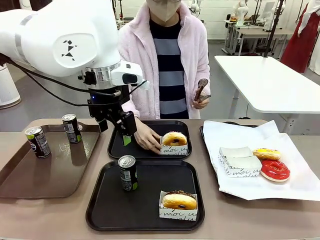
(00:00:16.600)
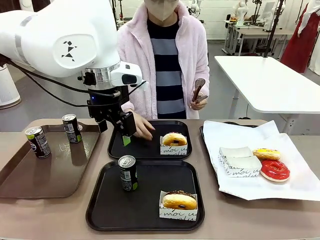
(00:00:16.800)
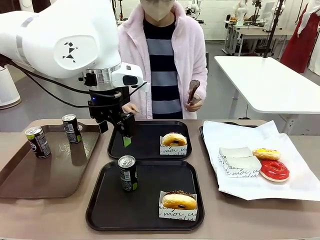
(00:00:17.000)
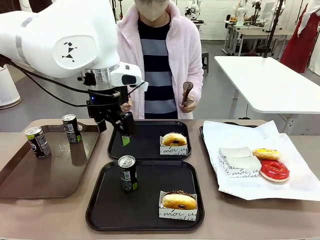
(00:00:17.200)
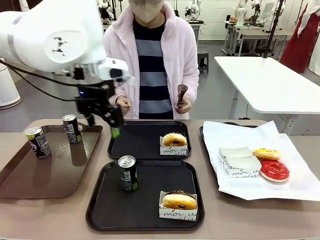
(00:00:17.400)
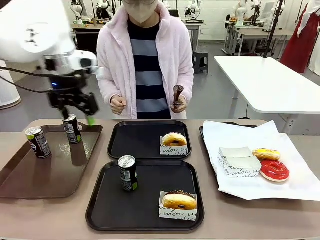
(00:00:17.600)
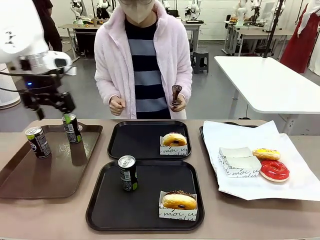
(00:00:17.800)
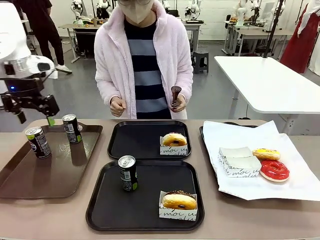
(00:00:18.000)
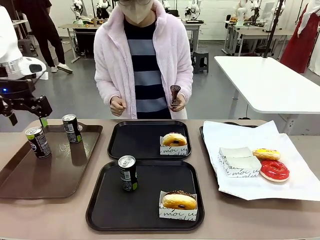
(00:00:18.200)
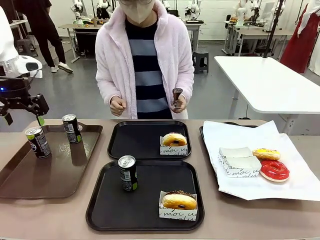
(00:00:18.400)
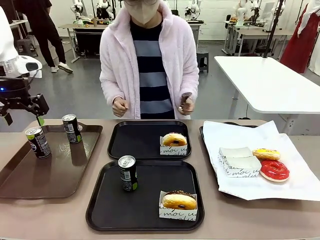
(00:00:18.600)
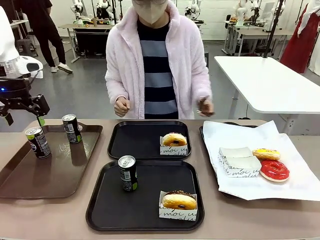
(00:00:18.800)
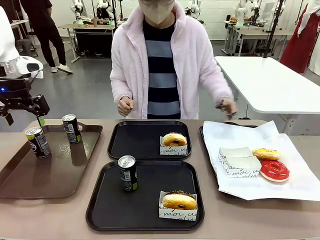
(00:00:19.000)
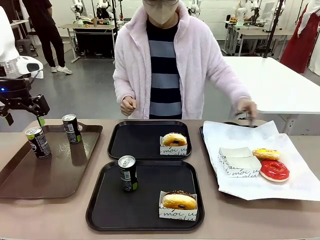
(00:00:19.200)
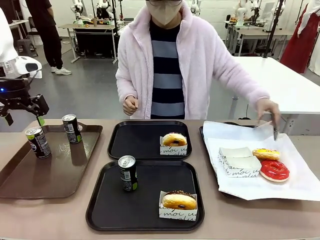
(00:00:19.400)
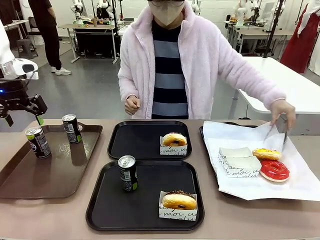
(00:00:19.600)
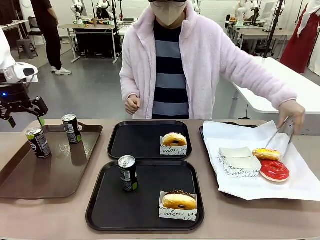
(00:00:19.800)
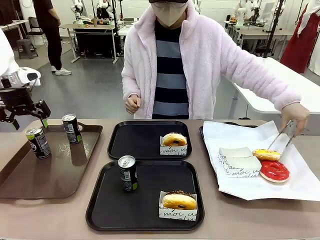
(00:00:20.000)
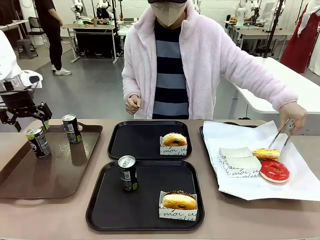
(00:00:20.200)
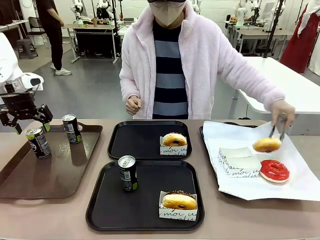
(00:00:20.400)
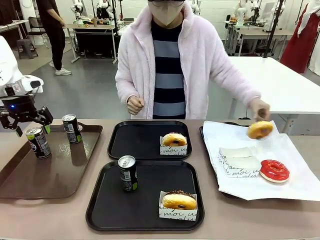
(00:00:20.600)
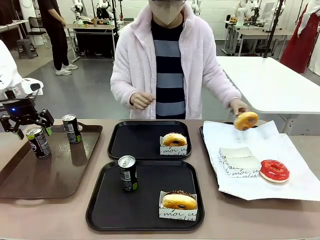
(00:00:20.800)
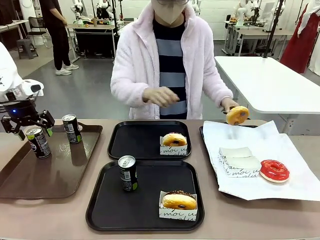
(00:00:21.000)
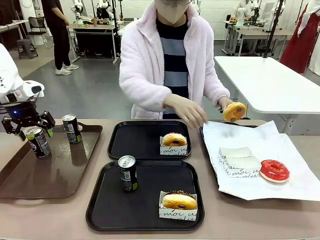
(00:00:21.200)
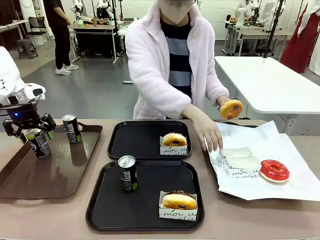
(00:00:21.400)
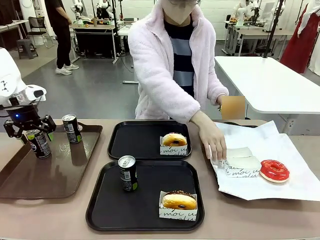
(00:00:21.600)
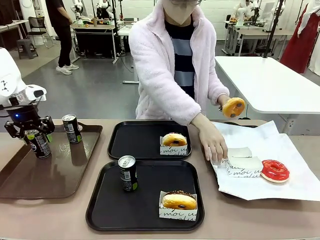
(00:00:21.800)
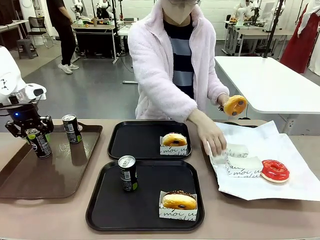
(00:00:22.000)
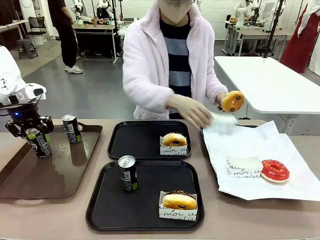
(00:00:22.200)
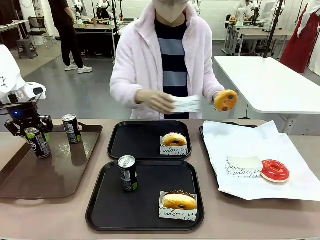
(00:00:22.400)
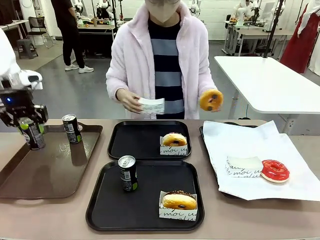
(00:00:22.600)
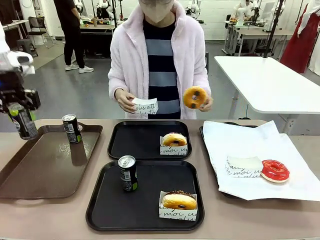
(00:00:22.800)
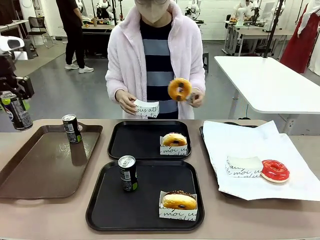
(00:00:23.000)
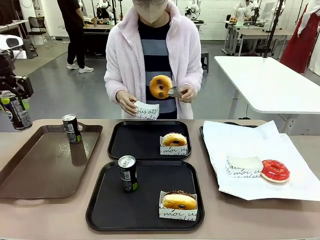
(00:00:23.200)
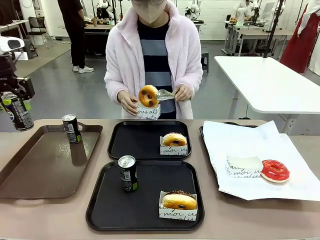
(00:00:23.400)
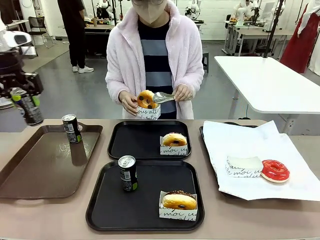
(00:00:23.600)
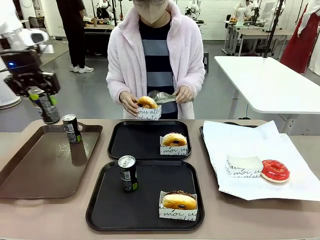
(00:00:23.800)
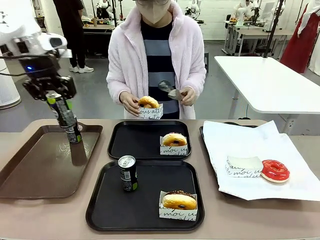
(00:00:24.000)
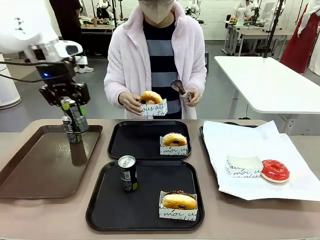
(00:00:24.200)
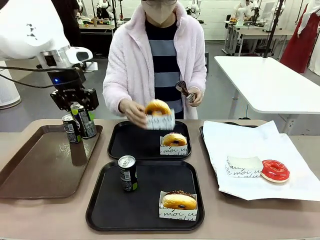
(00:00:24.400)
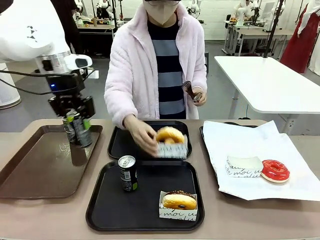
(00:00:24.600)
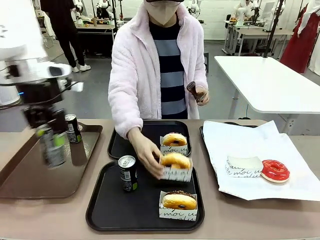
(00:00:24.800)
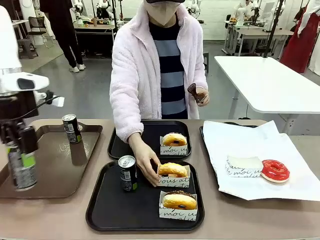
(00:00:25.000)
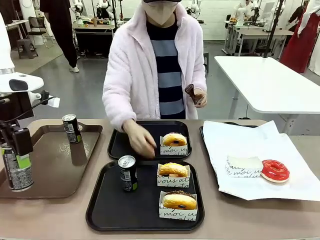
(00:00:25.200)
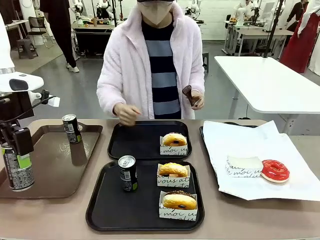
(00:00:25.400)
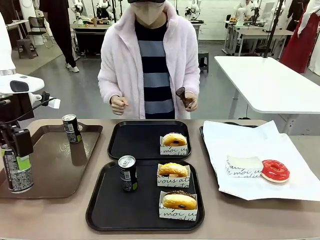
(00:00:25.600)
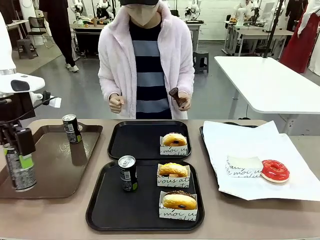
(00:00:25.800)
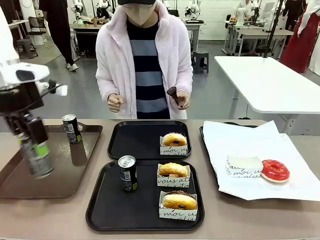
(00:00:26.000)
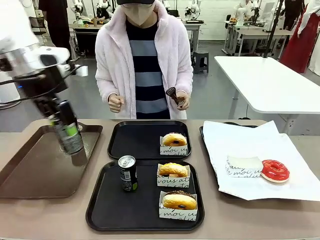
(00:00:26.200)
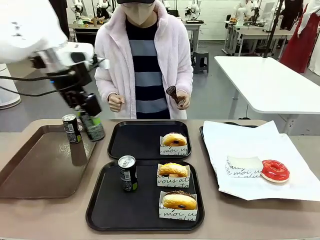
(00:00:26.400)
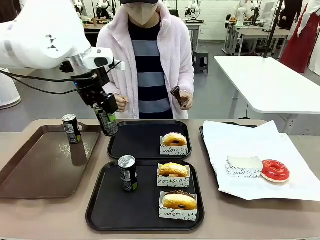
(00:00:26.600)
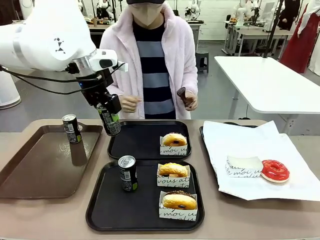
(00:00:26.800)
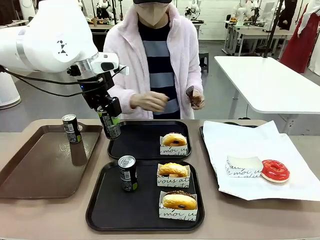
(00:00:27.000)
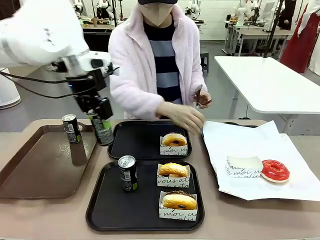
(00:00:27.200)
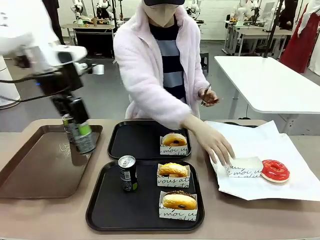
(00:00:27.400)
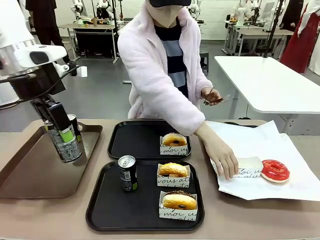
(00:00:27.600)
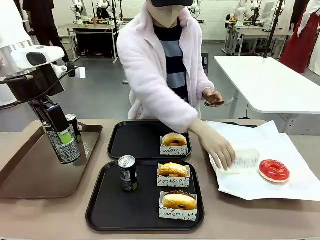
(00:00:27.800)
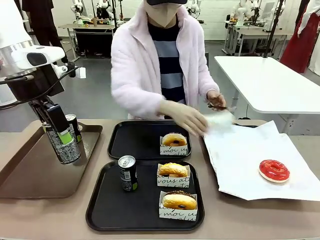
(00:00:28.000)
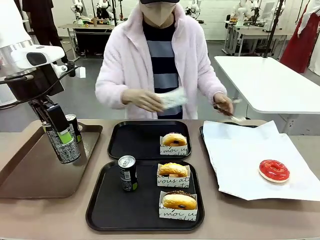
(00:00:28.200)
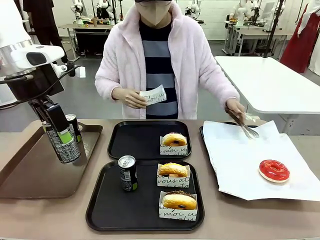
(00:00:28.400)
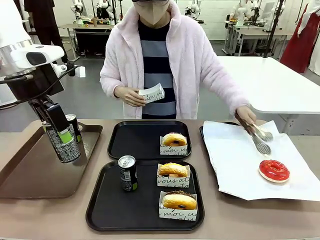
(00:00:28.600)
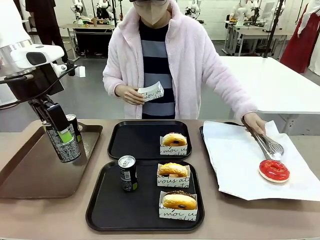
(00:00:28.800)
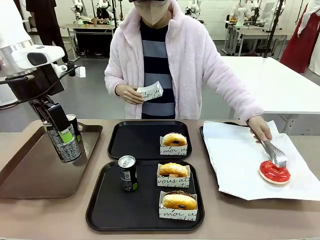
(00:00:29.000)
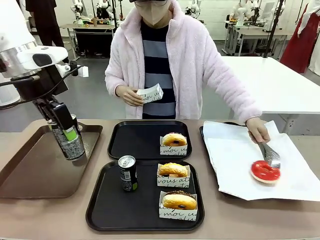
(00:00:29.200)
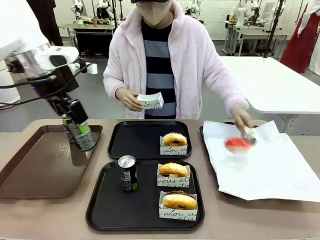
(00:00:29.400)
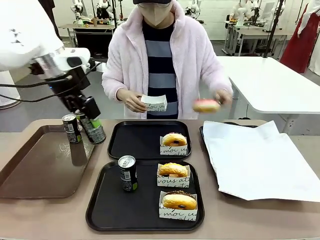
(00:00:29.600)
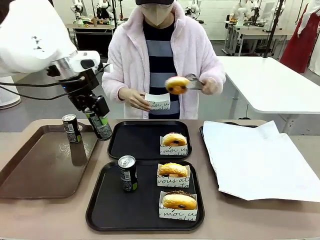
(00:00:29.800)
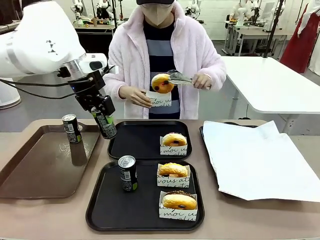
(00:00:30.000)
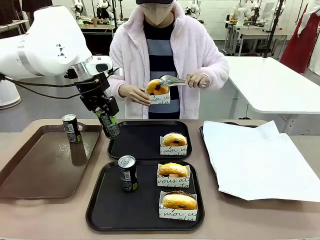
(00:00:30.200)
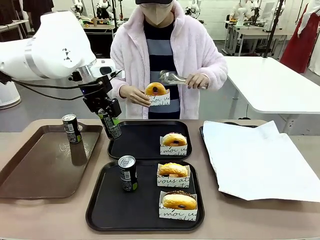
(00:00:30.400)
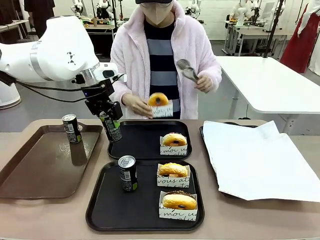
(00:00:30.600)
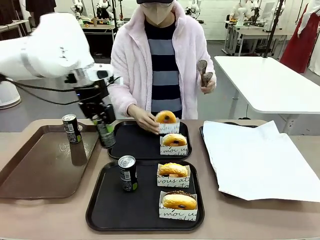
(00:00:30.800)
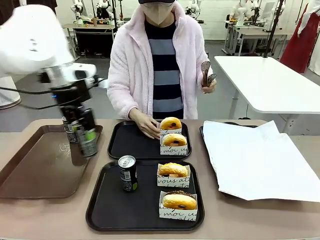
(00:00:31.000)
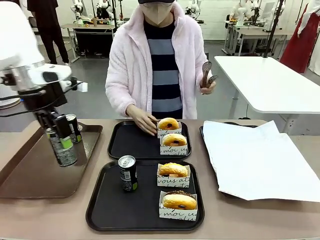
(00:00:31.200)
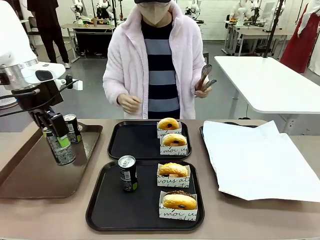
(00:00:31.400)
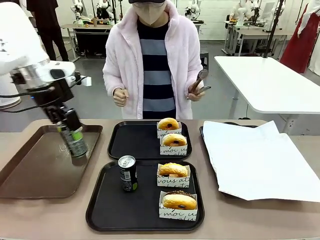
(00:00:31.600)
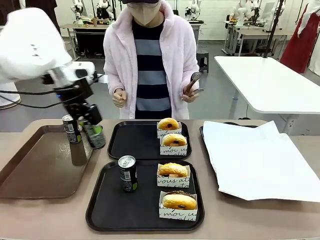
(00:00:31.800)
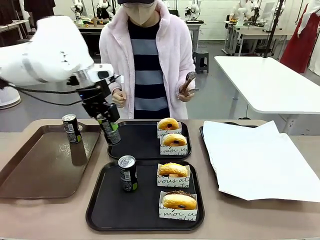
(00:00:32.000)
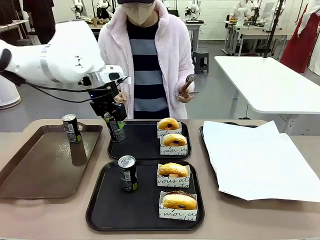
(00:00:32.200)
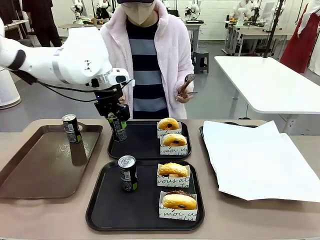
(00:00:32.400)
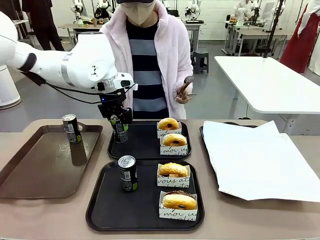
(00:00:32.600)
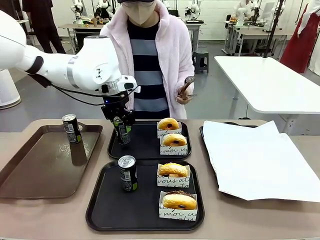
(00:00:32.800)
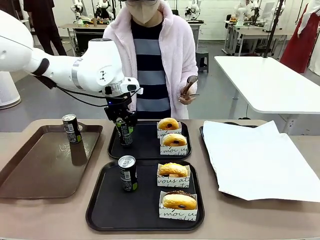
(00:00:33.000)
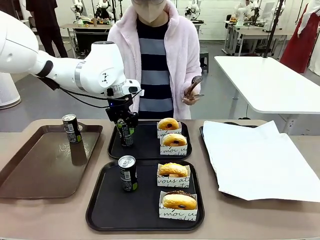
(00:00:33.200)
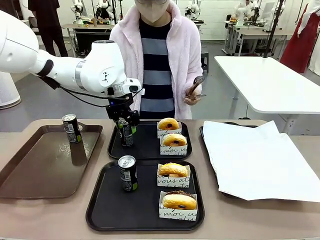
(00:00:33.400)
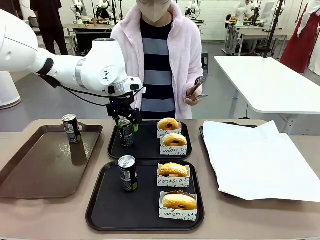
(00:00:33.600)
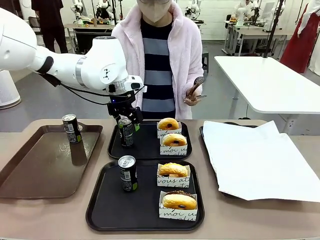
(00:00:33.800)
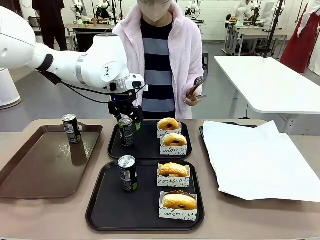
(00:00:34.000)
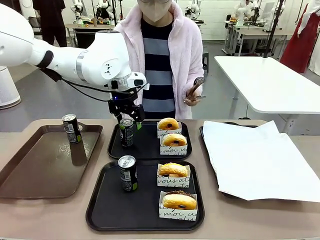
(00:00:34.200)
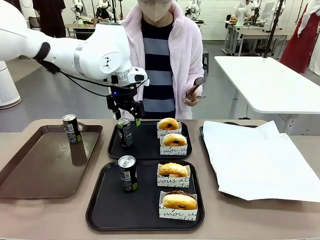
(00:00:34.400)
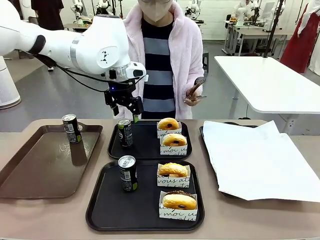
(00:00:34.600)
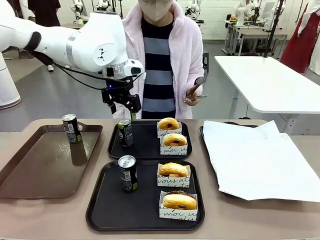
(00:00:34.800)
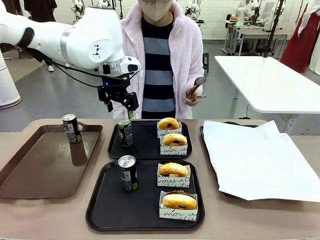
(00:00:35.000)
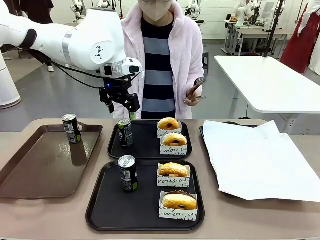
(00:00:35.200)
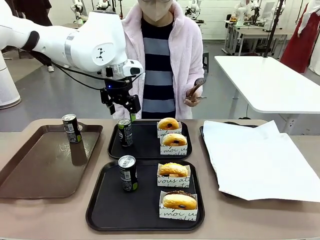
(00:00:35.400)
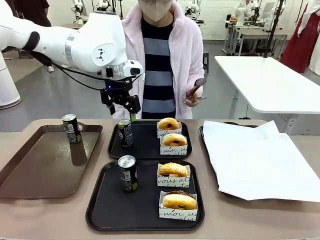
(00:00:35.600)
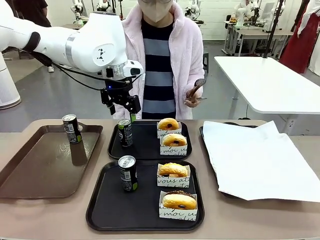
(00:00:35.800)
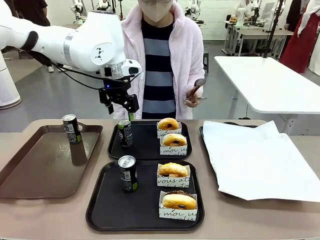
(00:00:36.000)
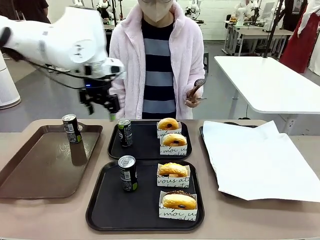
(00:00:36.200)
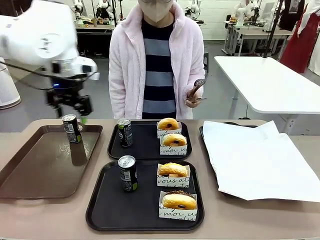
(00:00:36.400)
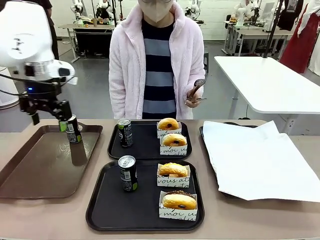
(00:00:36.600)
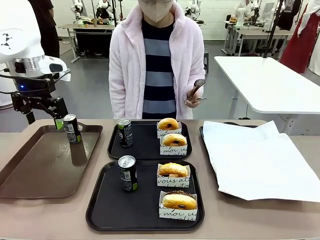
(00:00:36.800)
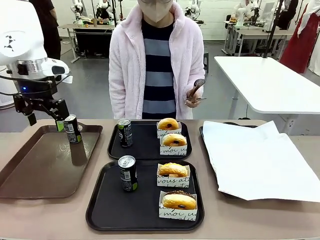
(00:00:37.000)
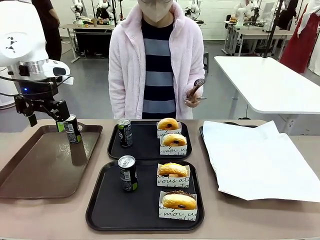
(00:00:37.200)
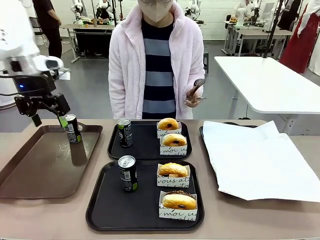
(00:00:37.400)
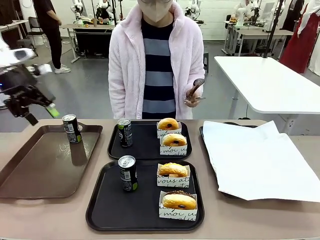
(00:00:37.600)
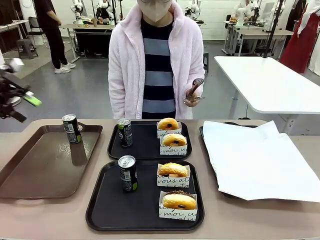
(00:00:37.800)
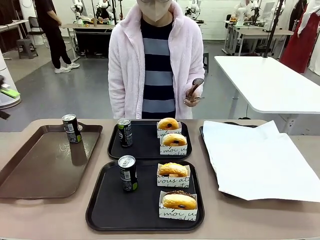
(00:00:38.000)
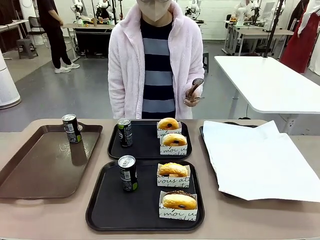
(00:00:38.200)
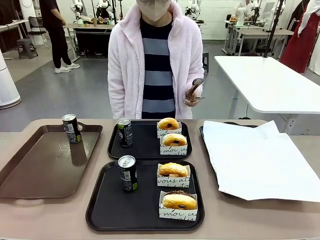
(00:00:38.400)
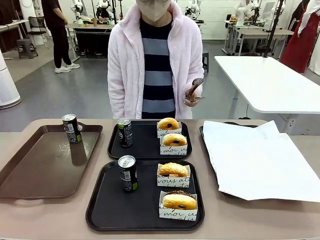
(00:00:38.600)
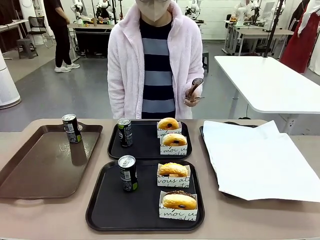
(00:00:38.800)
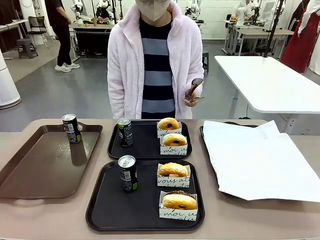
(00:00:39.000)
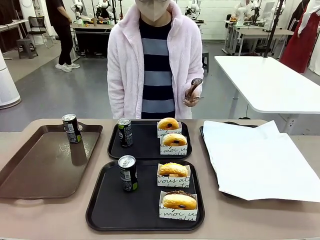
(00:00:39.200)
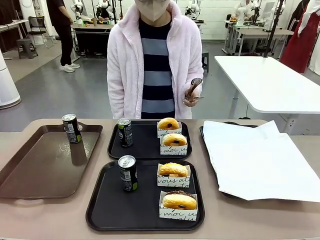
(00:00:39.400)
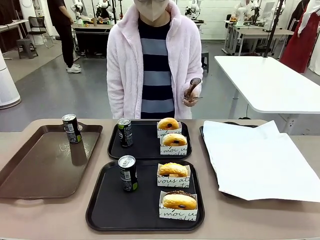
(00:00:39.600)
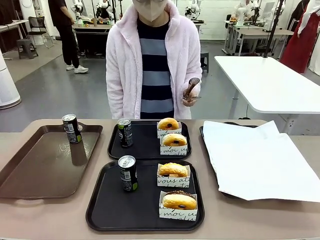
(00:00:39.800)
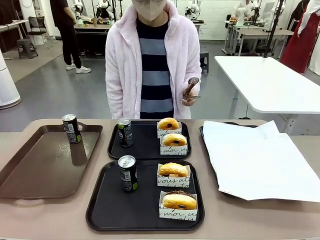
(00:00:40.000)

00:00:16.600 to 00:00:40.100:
Task: Set up donuts and drinks on trays.
Robot: Pick up one Pepsi coke from the Handle tray and place it on the Flat Tray without a Pepsi coke.
Person: Pick up one donut with tongs, place it in the donut tray, and then place the donut tray on the flat tray.
